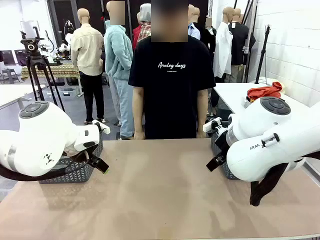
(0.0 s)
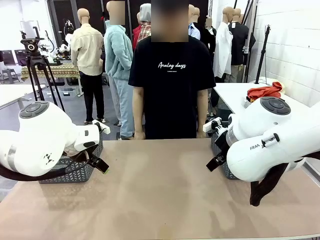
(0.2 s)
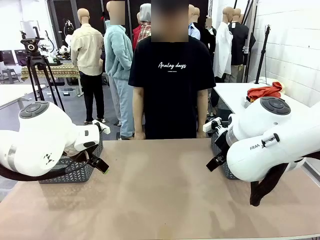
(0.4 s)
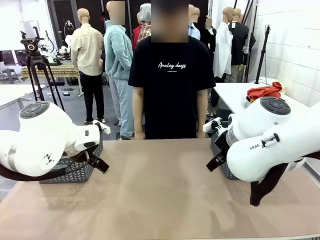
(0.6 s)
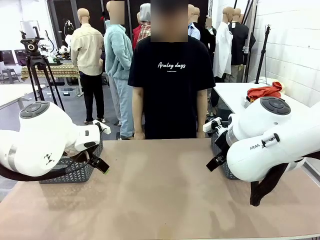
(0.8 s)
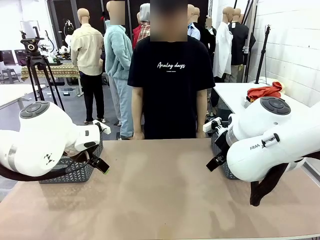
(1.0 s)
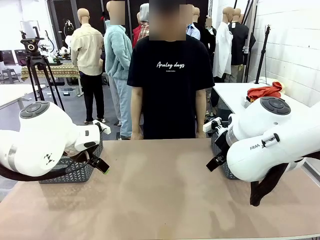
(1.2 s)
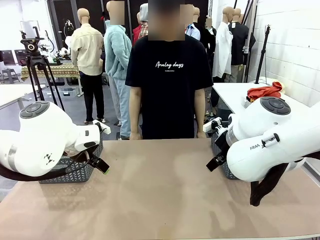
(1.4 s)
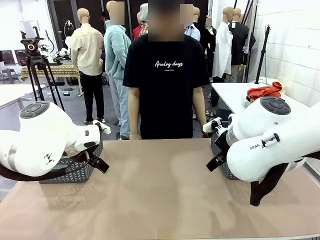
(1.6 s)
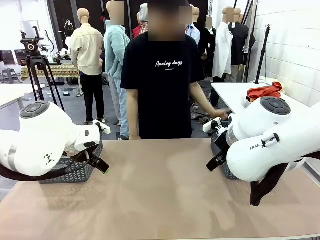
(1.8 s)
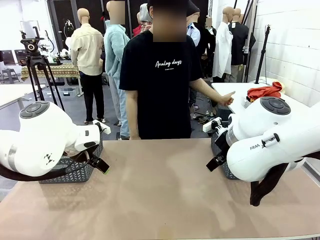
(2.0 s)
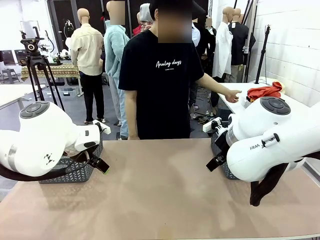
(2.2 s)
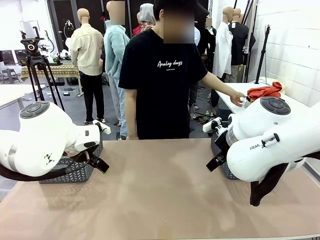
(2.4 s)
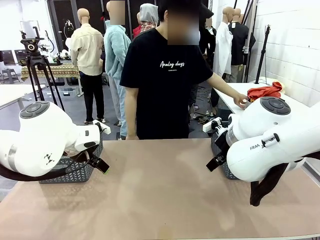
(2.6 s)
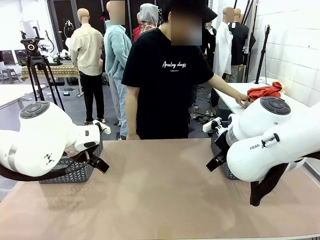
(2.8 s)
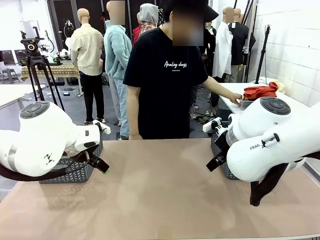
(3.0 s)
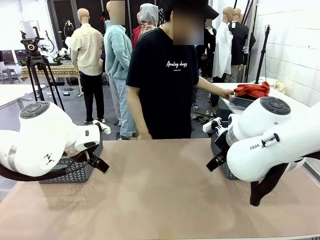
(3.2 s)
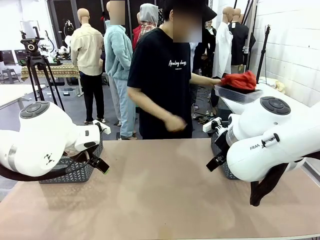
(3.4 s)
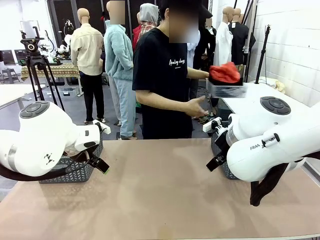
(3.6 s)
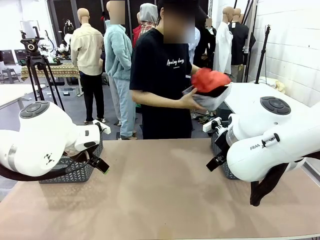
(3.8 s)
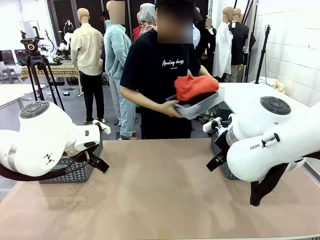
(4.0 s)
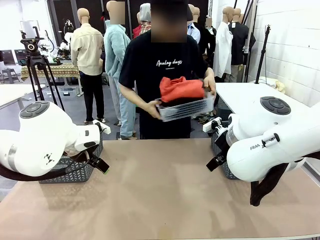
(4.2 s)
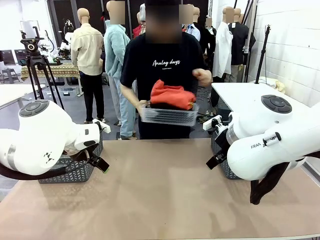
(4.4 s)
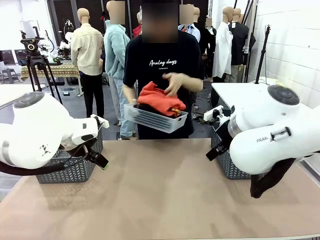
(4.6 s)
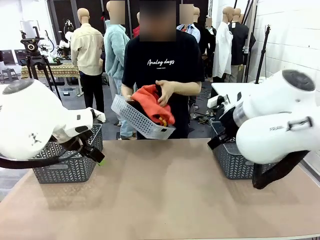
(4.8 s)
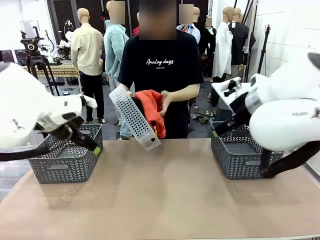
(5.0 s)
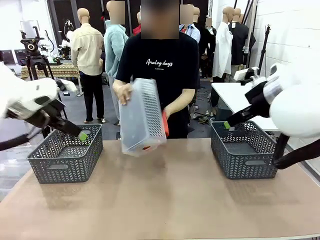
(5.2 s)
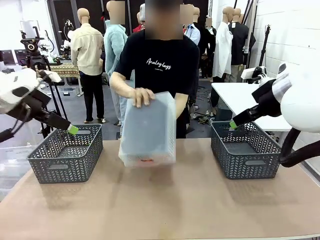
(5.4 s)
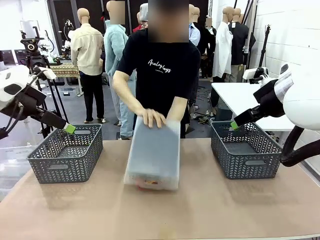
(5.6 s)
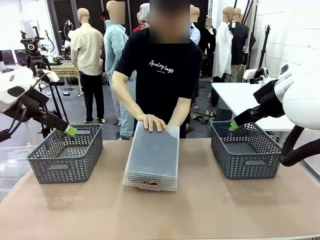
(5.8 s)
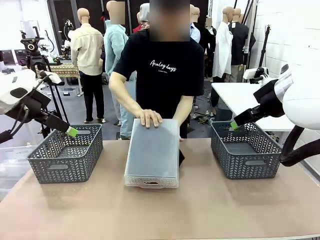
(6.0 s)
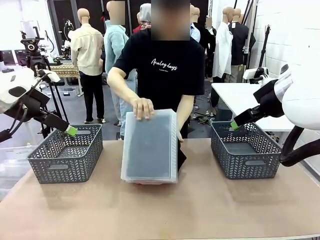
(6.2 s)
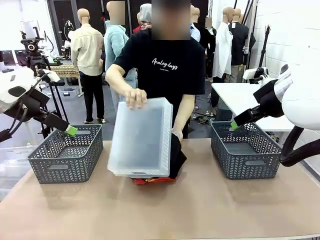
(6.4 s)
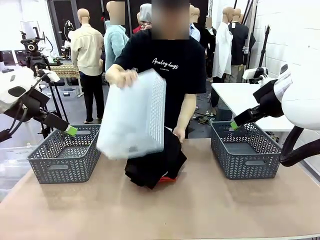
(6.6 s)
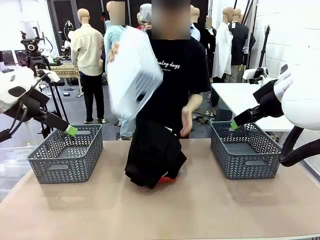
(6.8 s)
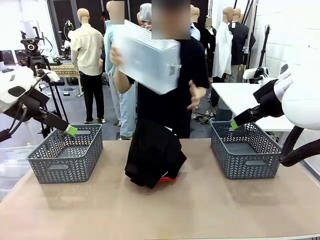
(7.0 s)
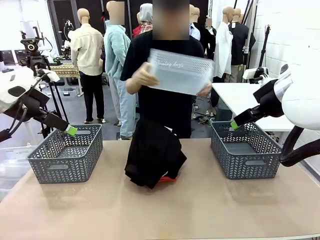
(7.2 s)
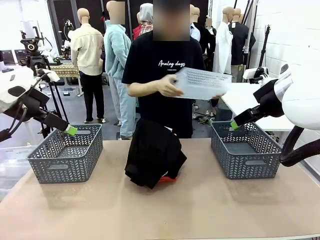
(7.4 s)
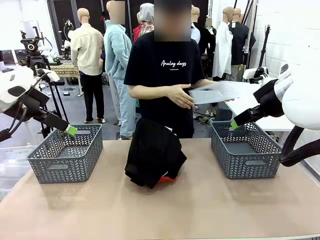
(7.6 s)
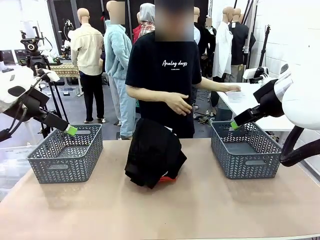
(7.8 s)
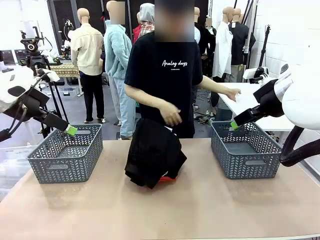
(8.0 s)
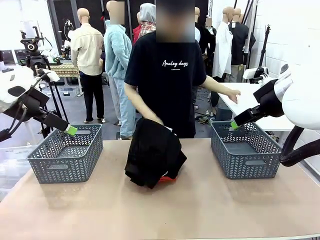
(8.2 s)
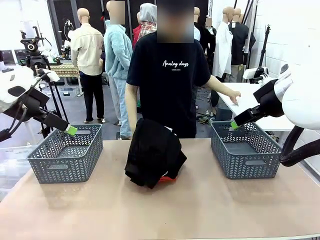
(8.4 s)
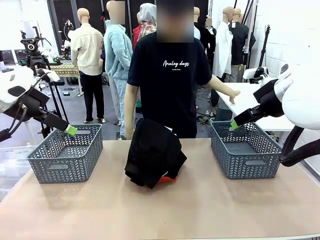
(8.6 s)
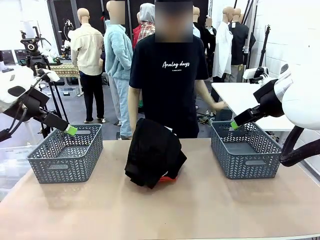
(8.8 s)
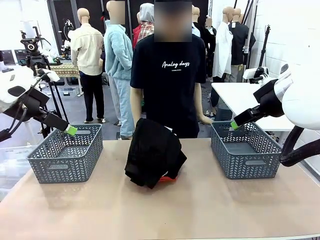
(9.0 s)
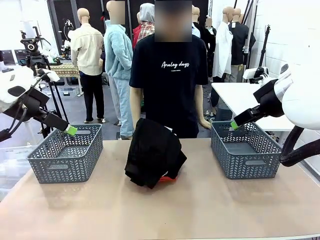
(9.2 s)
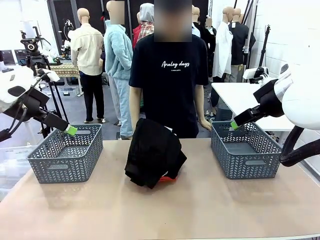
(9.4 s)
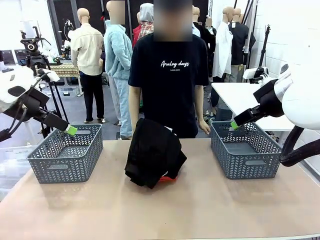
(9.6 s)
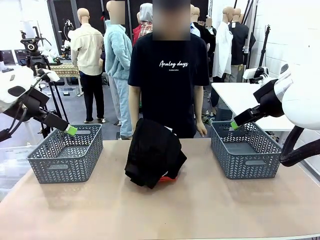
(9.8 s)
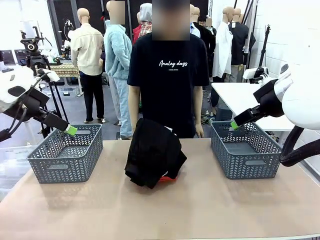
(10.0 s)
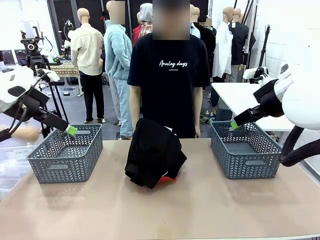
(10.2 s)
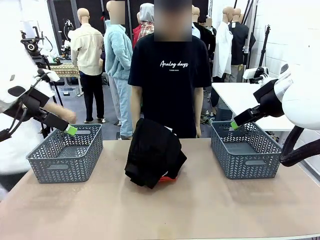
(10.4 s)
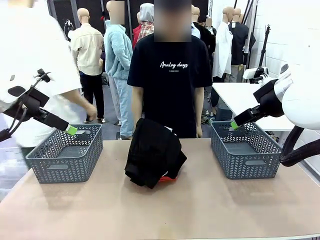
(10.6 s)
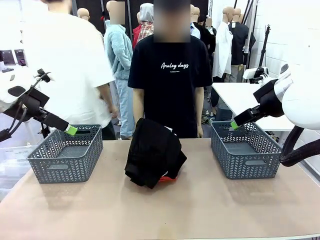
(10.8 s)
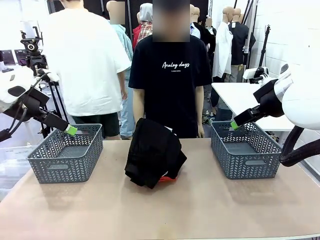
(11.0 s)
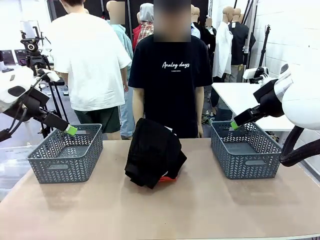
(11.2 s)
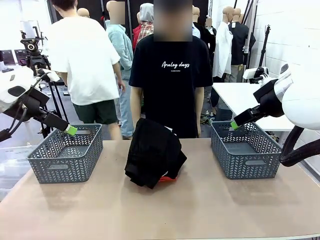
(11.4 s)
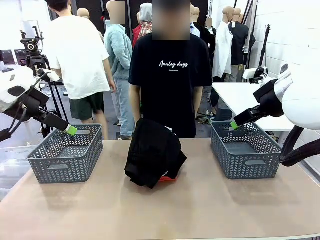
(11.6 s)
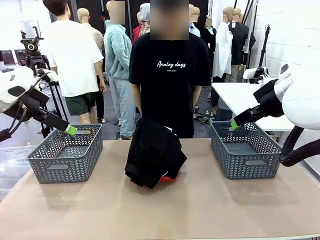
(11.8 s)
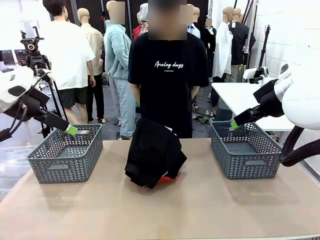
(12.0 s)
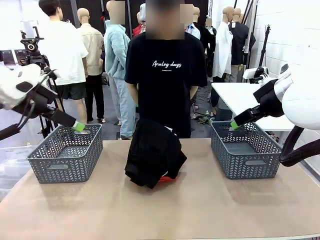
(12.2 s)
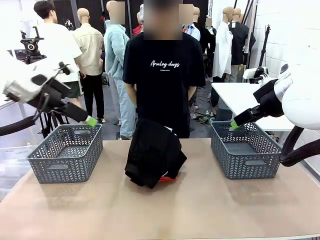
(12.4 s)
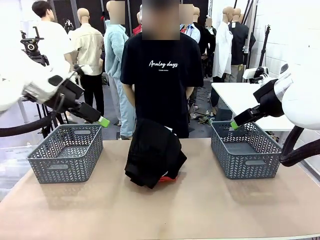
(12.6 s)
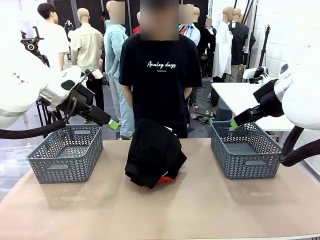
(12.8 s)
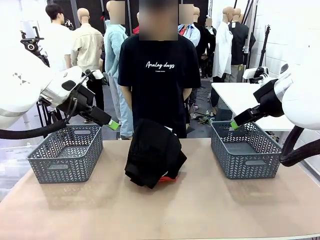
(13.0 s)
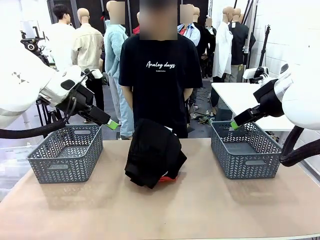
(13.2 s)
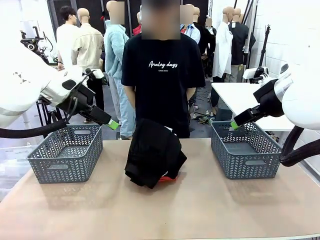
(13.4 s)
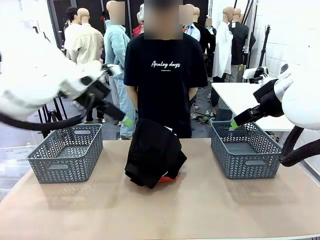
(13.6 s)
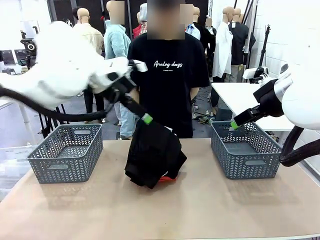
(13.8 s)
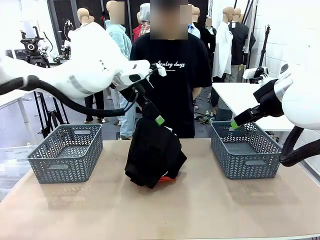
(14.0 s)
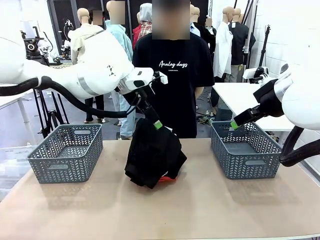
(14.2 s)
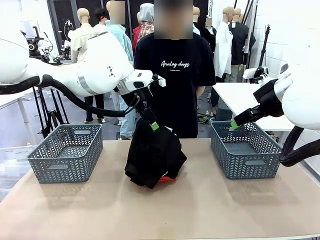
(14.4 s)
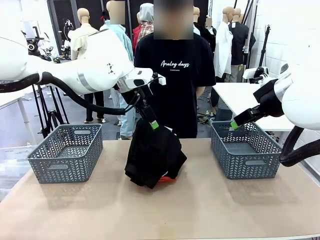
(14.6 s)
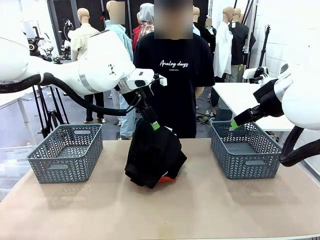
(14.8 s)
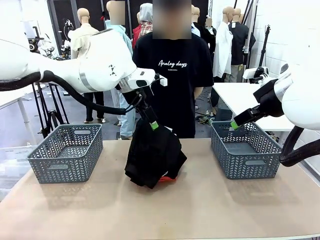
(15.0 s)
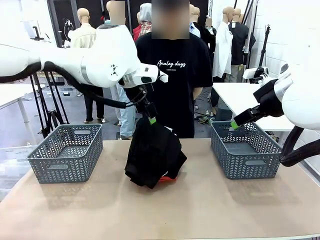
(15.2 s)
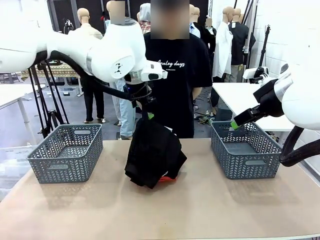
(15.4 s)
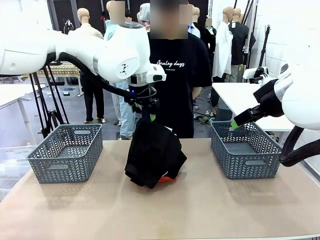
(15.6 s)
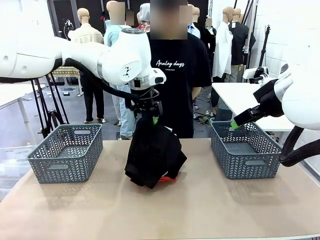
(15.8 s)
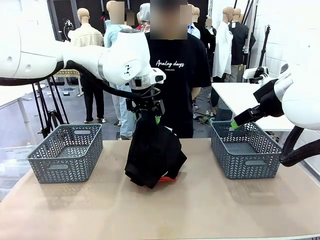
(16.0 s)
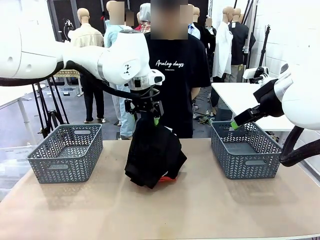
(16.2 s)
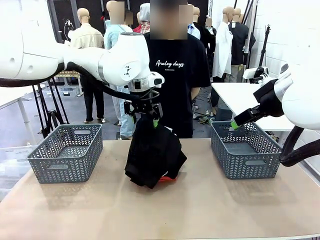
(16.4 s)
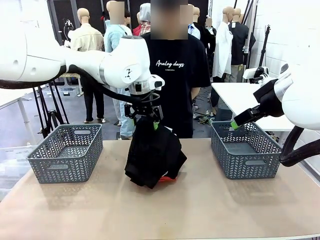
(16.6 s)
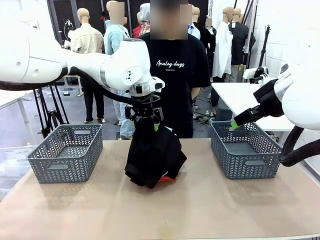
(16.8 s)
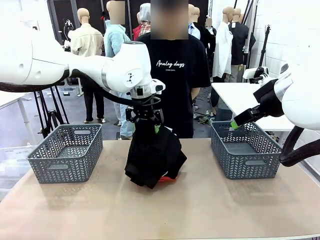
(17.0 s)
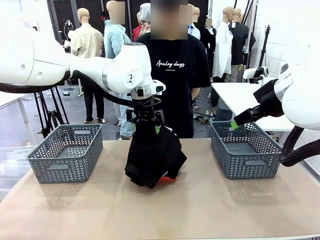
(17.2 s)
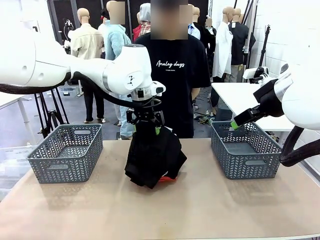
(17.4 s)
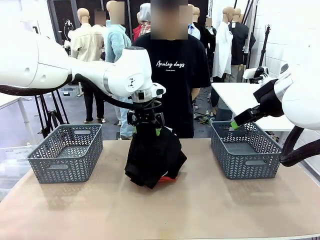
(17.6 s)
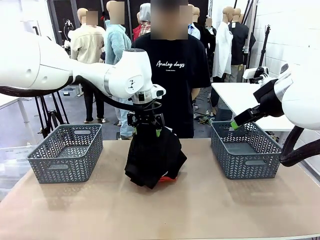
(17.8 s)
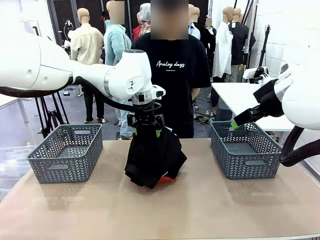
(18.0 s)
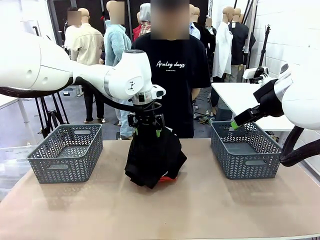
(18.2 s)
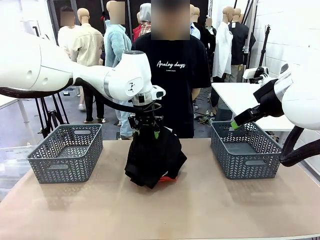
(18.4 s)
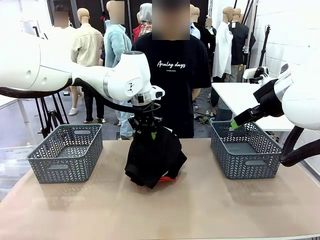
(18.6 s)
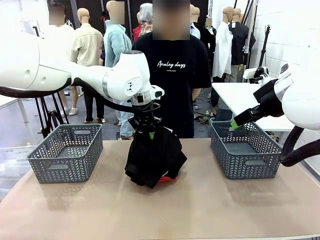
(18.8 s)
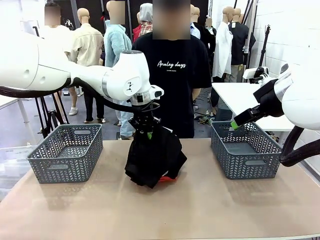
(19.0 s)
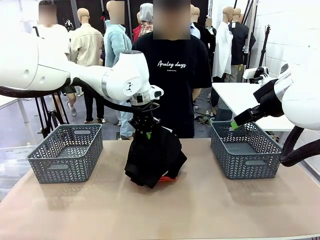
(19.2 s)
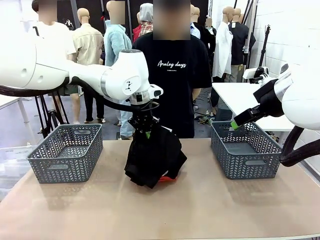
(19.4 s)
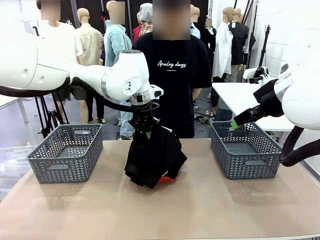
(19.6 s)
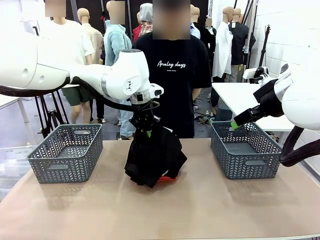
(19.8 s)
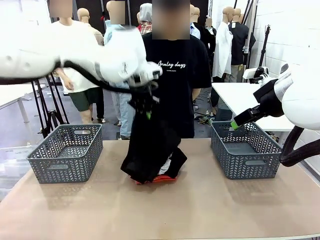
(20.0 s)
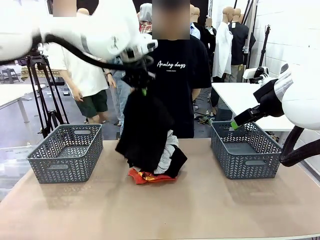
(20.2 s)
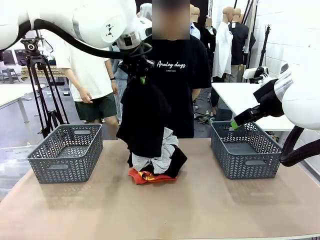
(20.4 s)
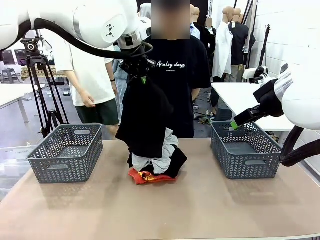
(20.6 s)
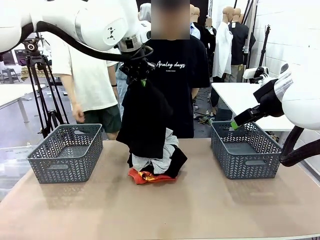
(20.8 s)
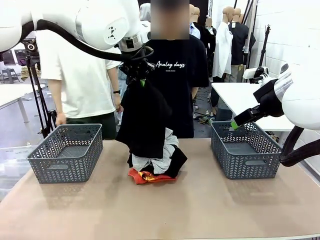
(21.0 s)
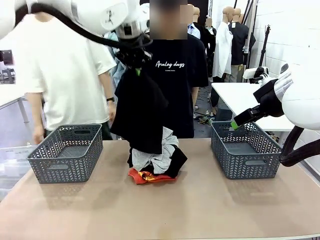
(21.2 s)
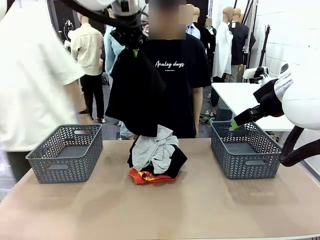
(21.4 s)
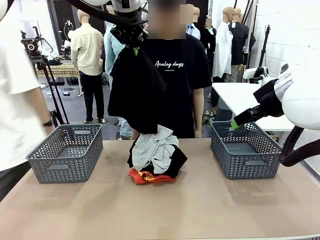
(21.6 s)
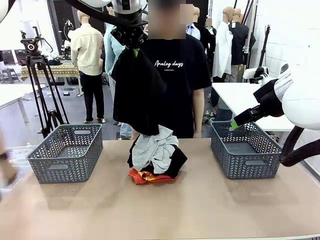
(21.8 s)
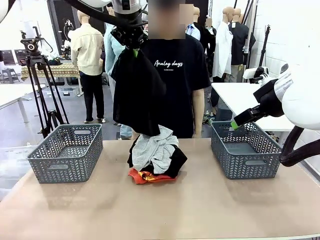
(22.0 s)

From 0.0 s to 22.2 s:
Task: Sort the tops and bottoms.
Robot: Lift clothes from the center of the table with your left hand.
Person: Pour the clothes from the basket onto the center of the robot table.
